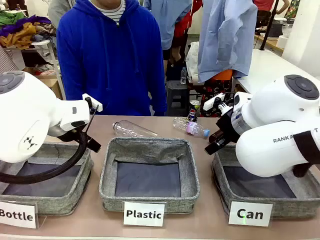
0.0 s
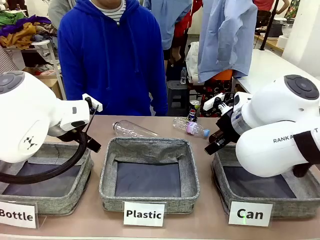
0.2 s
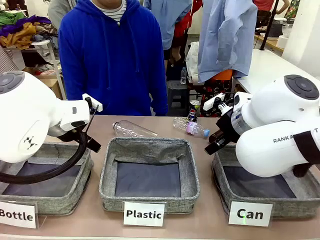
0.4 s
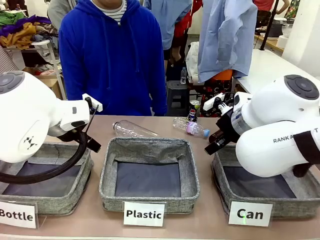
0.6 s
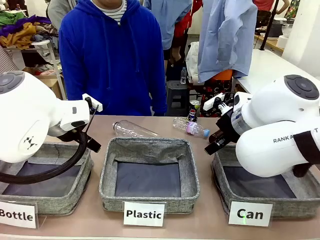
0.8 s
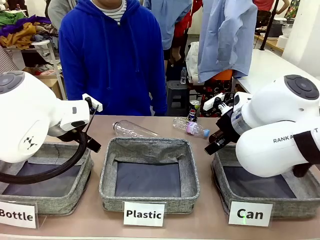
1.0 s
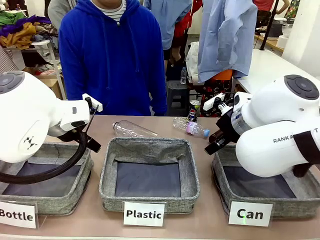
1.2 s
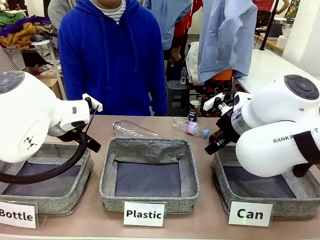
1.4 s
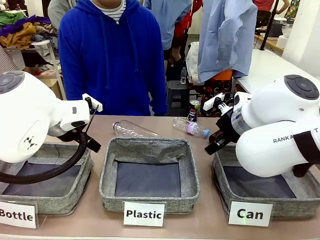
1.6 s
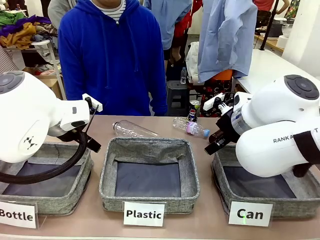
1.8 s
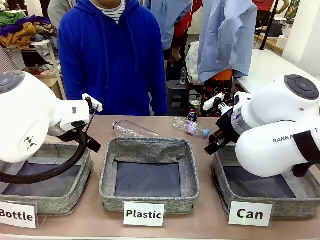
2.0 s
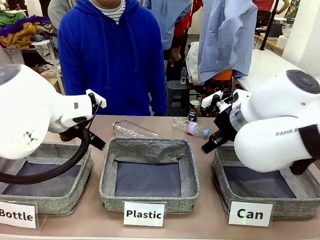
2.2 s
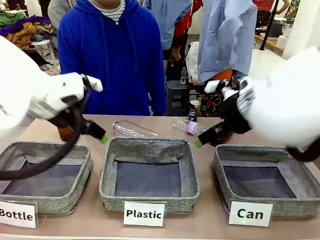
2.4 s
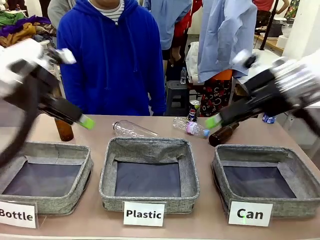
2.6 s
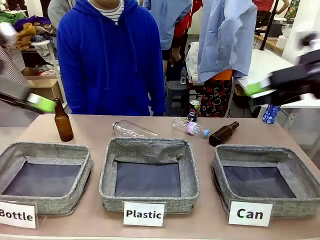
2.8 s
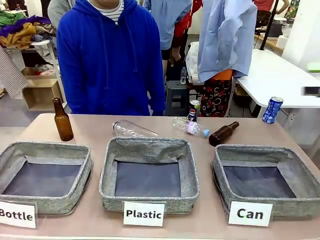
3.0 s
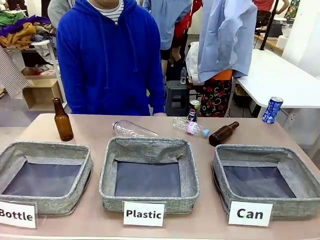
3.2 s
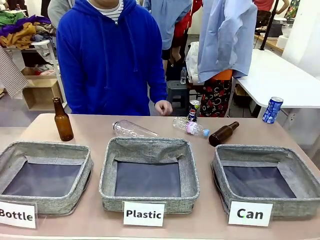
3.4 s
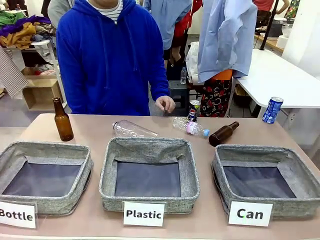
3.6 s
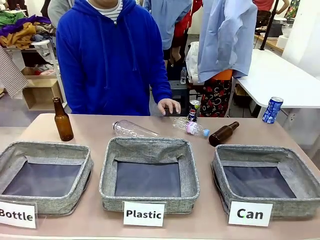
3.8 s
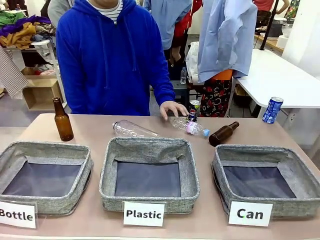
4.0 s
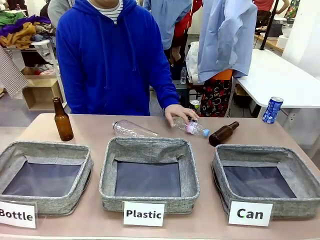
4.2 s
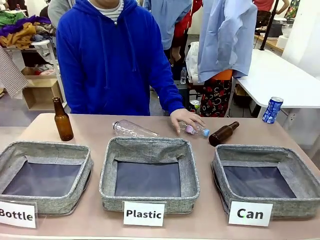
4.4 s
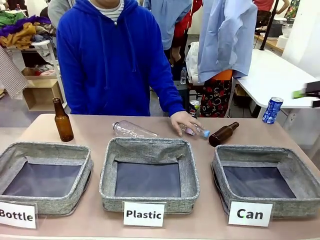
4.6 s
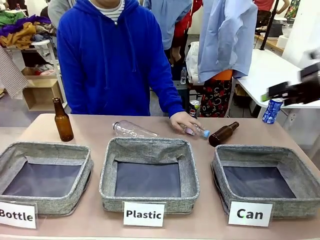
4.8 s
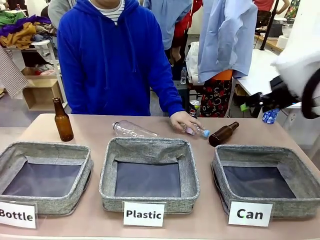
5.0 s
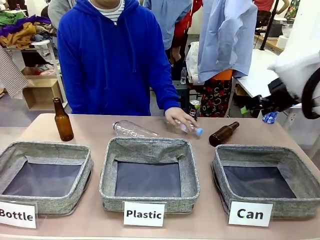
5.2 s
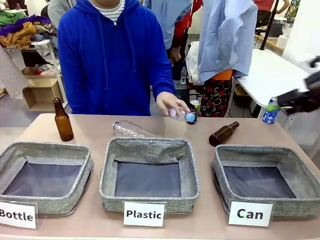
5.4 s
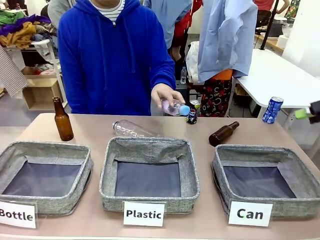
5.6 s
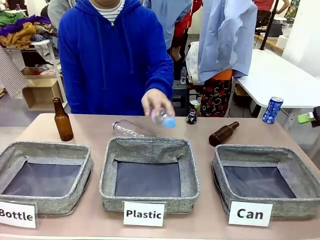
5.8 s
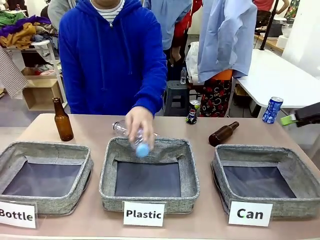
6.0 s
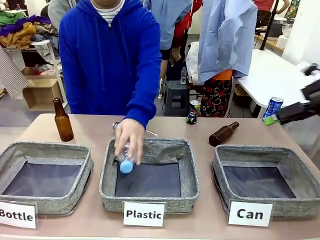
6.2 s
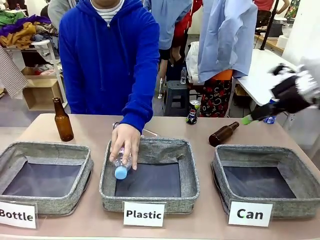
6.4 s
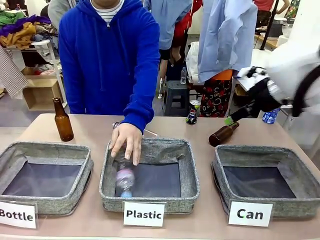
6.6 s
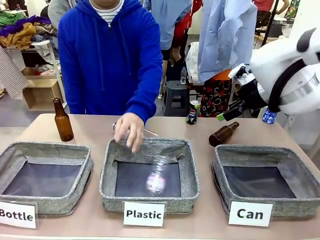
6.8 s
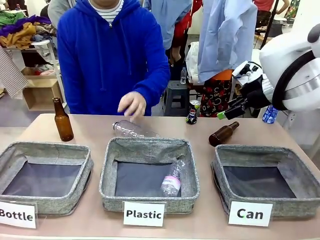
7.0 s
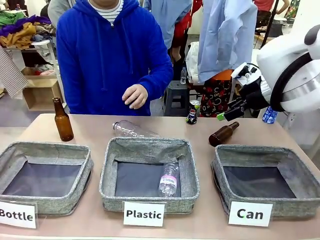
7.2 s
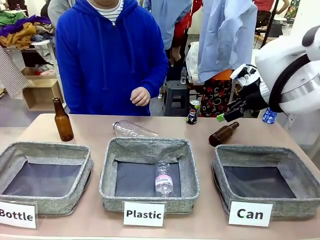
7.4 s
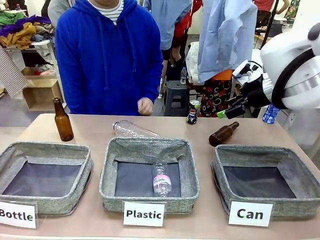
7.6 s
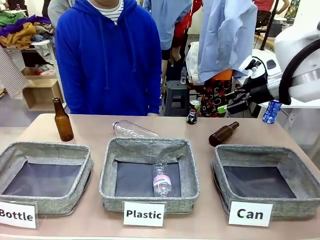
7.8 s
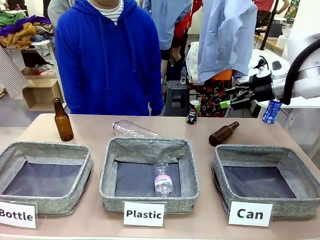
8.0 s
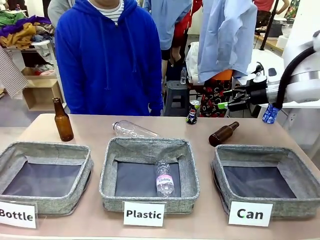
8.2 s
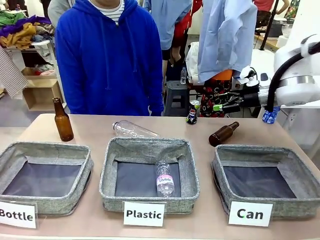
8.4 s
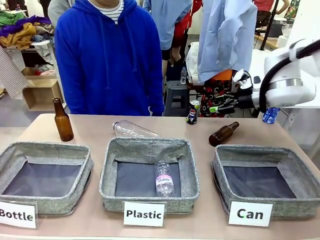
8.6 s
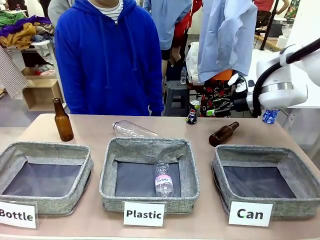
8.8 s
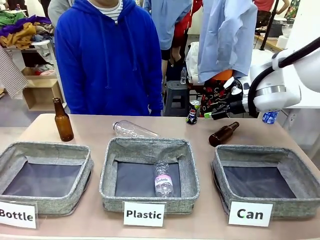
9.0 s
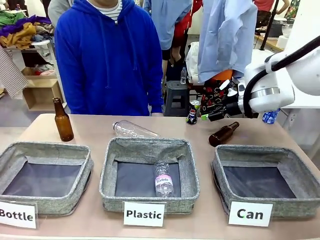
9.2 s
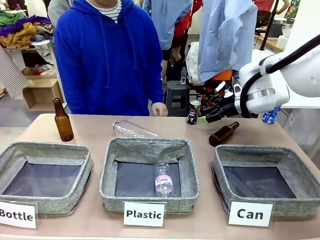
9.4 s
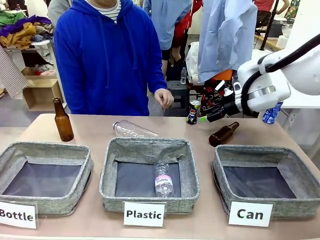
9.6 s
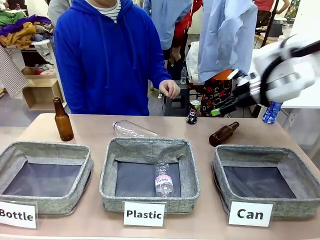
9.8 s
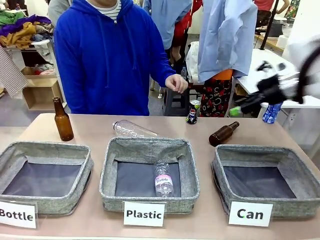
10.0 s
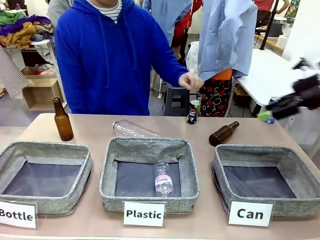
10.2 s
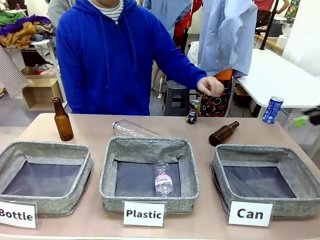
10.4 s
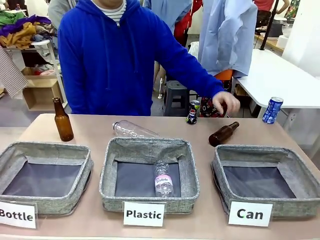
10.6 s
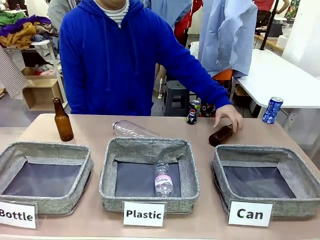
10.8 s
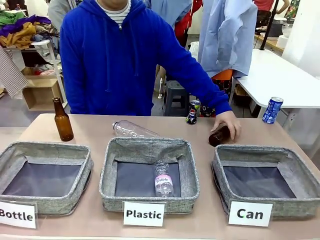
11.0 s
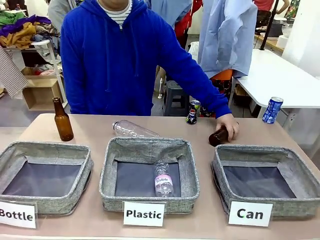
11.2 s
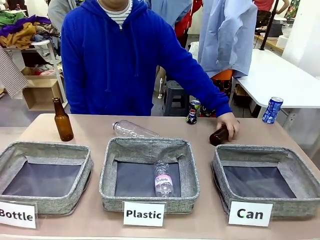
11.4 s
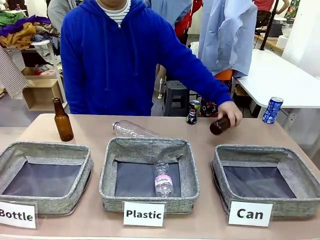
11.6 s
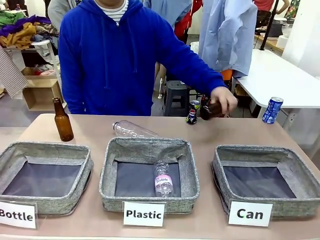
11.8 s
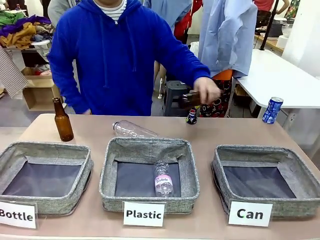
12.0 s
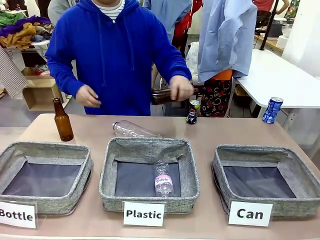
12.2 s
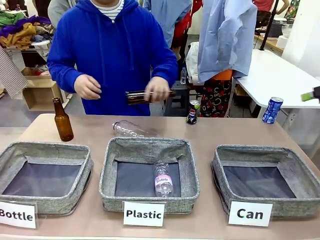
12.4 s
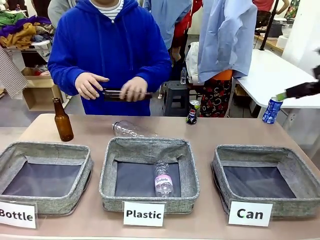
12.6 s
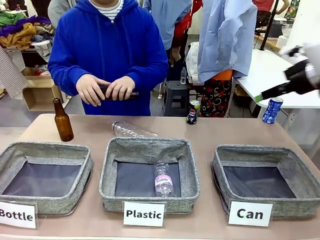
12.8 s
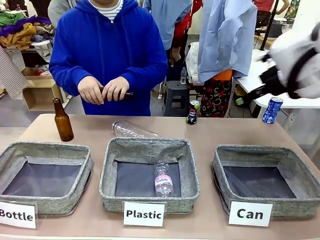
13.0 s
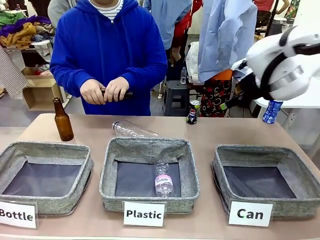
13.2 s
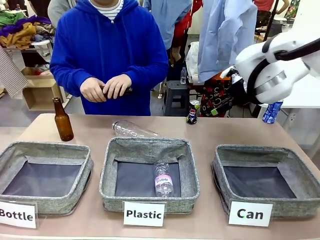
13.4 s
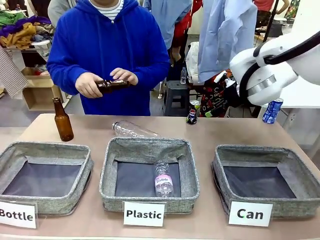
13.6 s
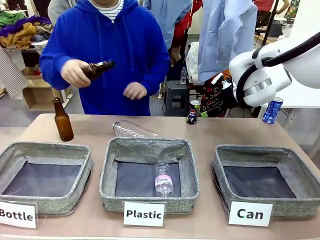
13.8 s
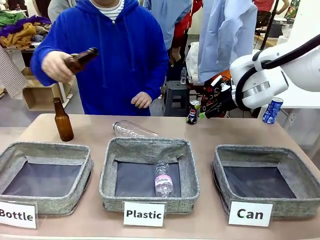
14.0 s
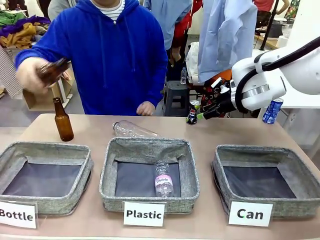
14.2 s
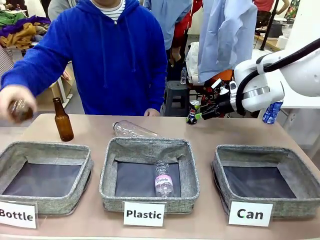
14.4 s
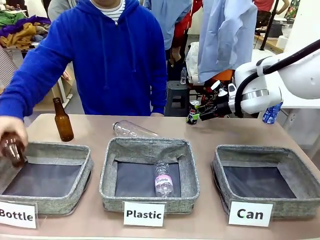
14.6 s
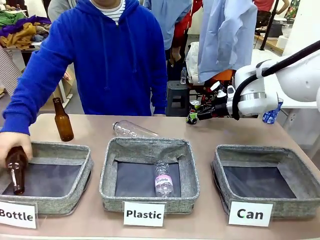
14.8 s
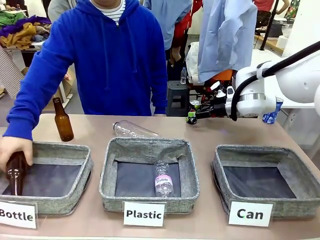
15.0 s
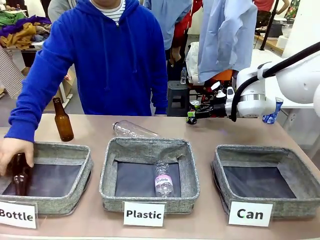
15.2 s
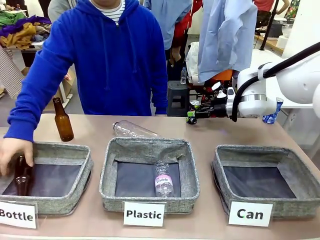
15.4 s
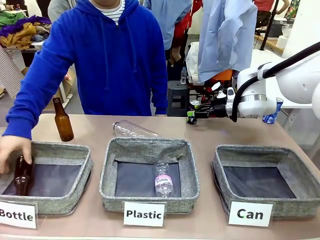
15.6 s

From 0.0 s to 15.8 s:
Task: Sort the can waste into the basket.
Robot: Pick up the can waste from the table and place it in the right Fabric basket.
